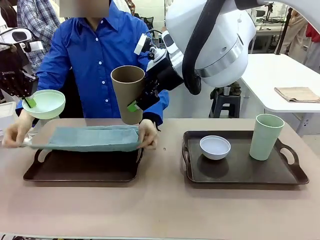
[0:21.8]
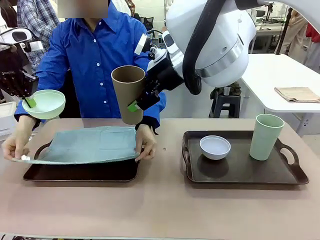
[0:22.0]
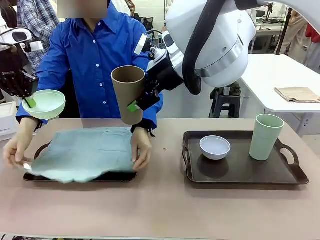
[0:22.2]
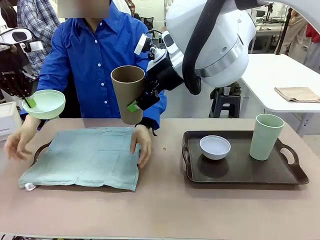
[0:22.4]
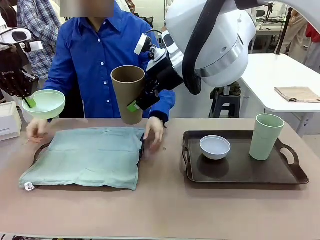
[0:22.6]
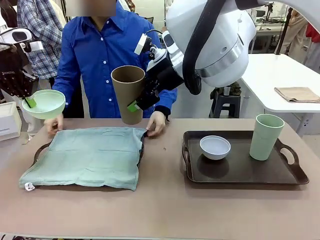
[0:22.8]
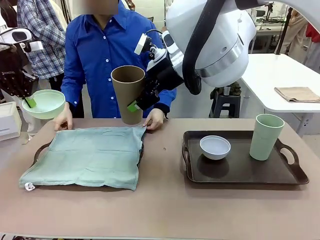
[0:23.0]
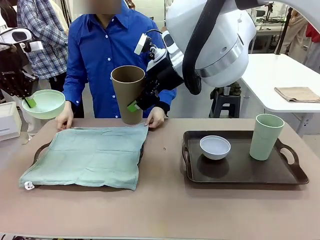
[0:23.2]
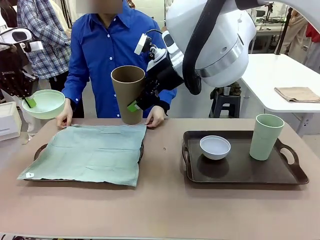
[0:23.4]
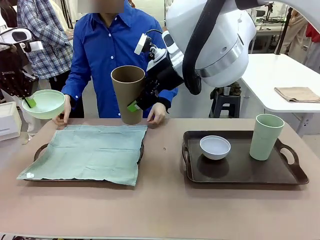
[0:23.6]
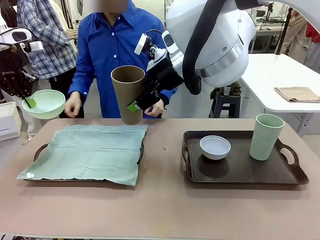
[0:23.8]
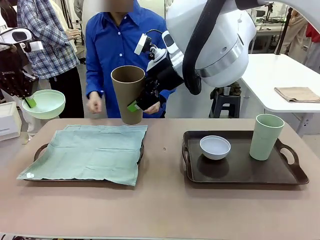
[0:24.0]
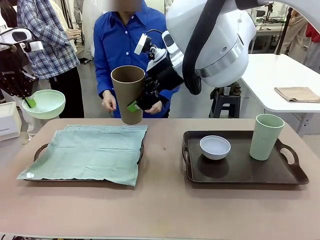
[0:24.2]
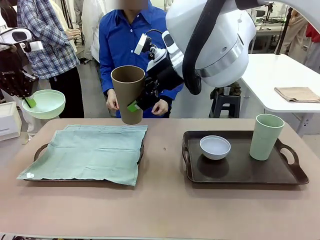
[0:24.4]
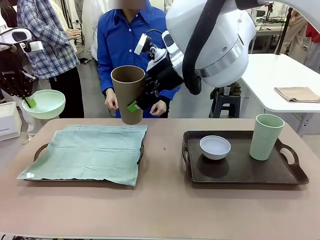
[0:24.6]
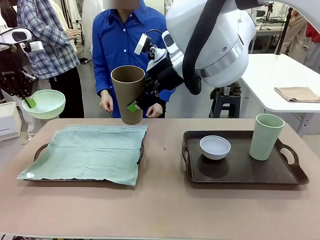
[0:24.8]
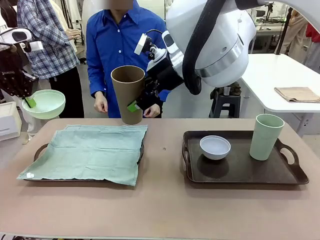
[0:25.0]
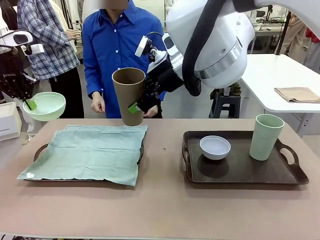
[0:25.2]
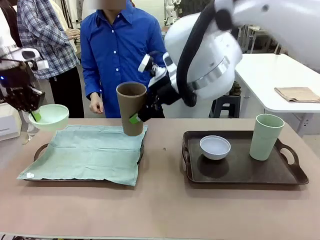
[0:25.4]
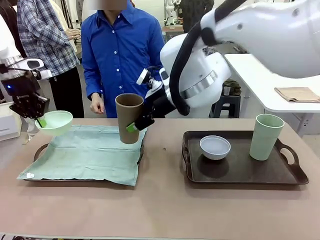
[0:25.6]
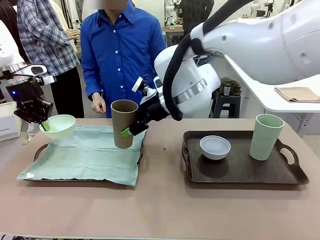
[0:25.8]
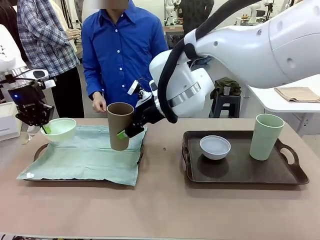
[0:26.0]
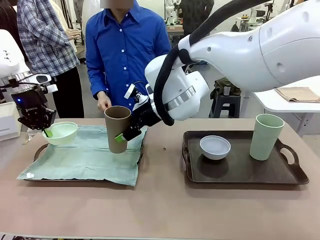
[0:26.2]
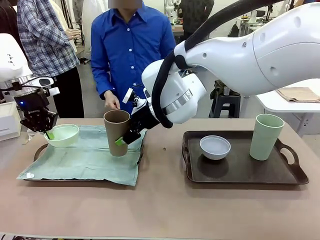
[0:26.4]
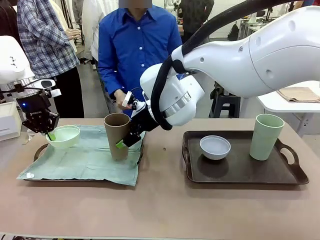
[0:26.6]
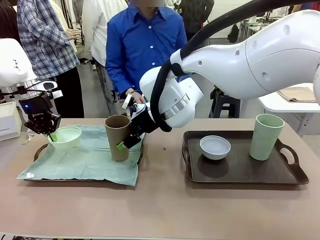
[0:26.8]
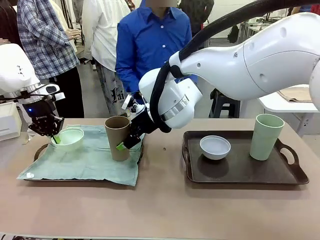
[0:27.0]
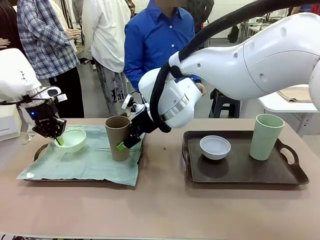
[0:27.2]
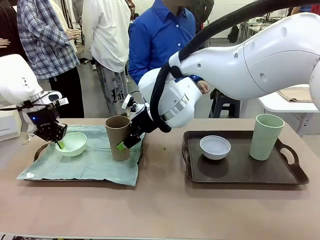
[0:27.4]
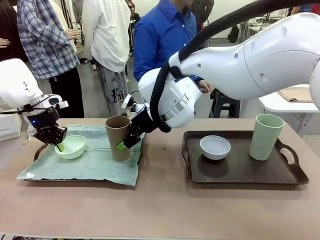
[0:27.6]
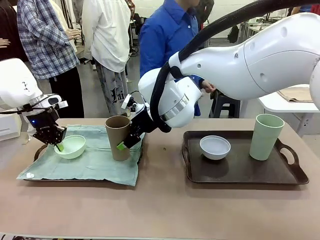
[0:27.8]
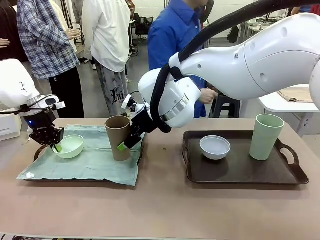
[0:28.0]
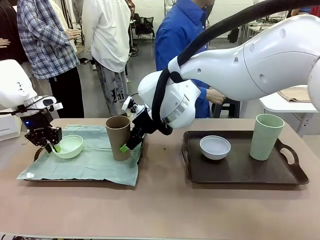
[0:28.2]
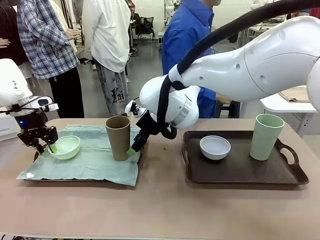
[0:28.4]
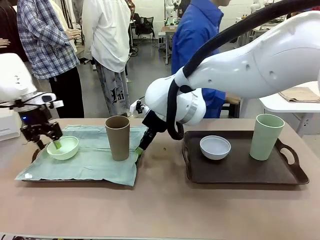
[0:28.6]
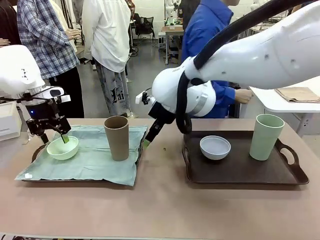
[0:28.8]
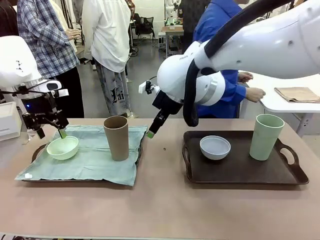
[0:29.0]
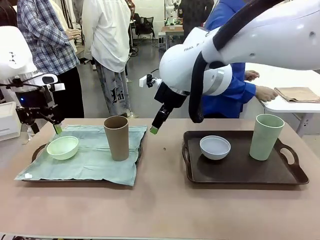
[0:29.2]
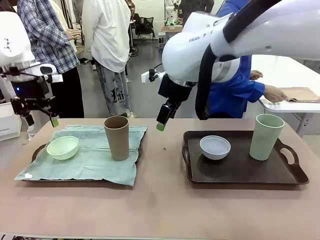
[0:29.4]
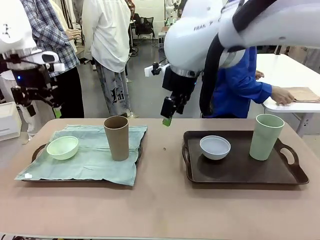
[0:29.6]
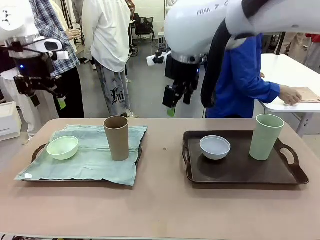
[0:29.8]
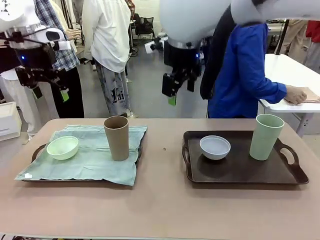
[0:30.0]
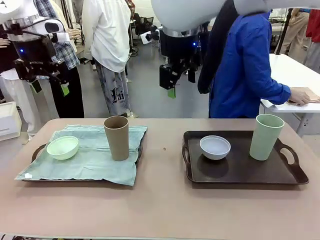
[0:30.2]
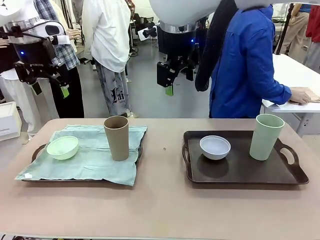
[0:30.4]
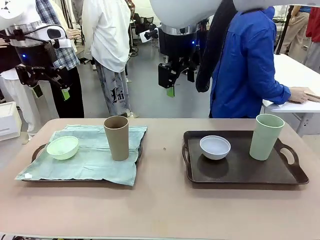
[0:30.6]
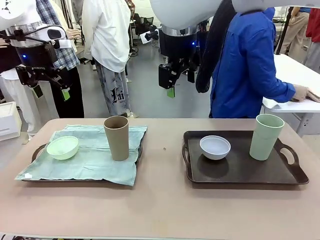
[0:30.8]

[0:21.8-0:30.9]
Robot: Place the Picnic Bowl and Reusable plastic cup back onto the Handle tray in front of the human's position.
Person: The human returns to the human table to pick up another napkin and walks to the robot table to stand in front of the tray without a napkin.
